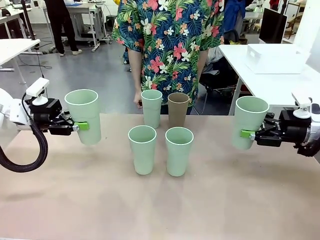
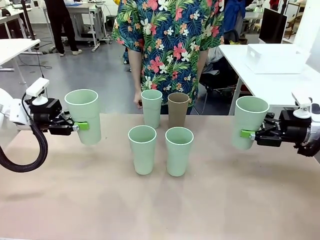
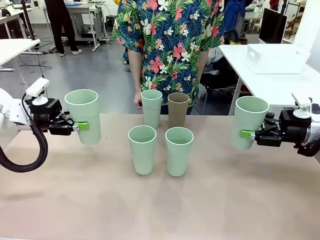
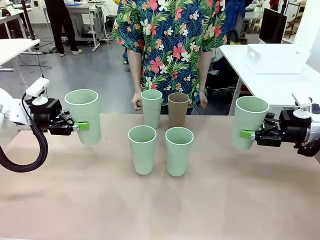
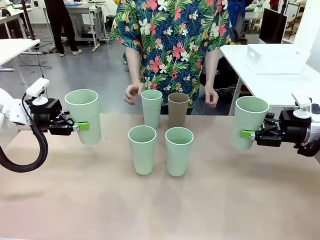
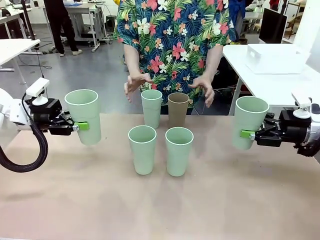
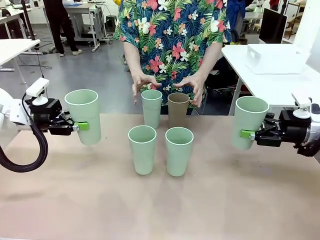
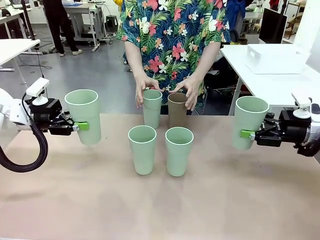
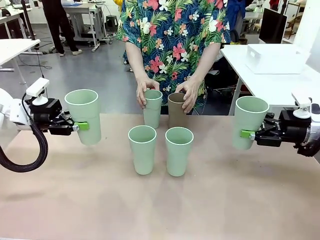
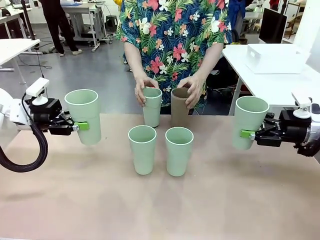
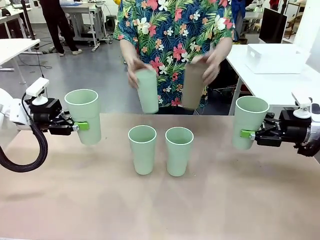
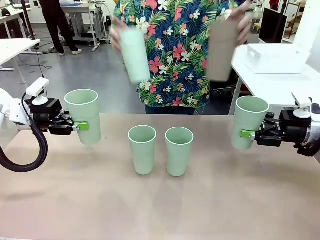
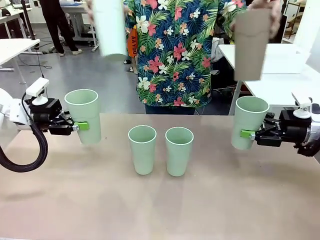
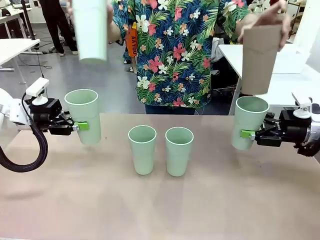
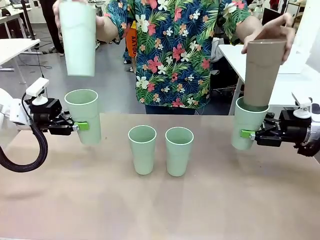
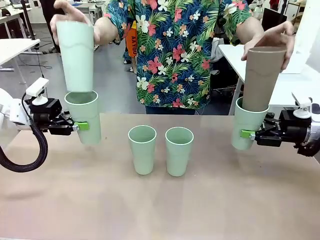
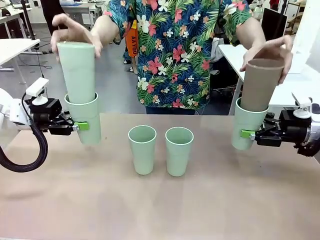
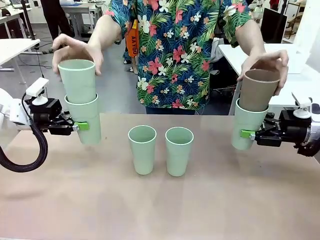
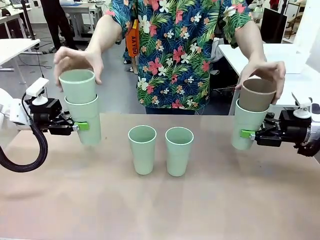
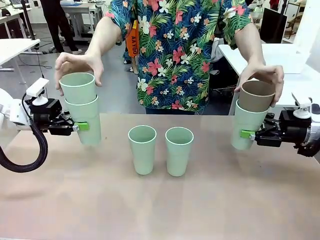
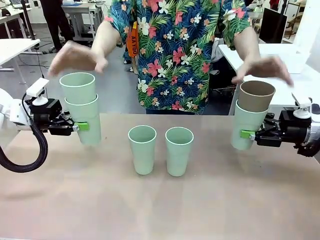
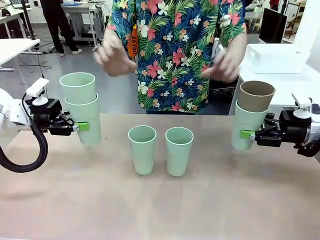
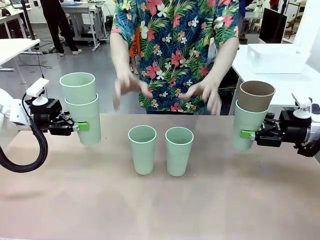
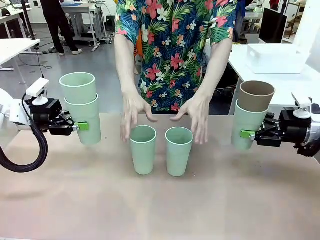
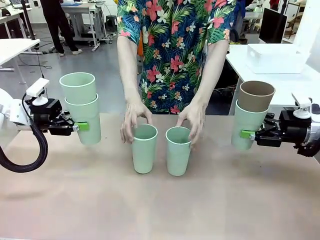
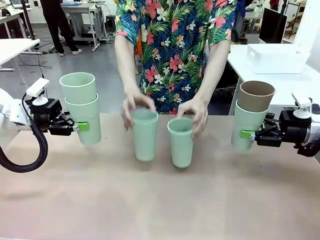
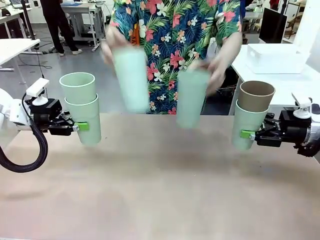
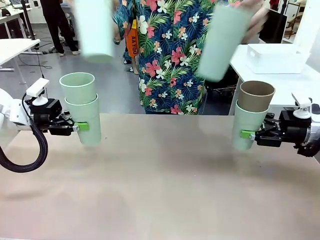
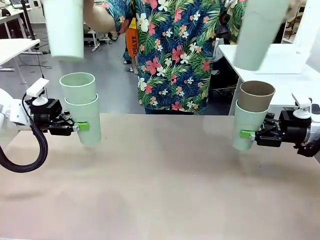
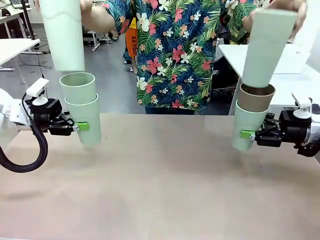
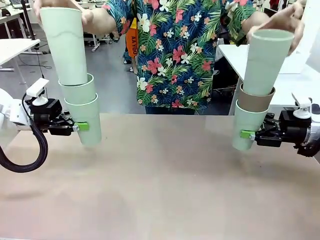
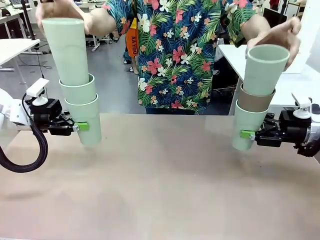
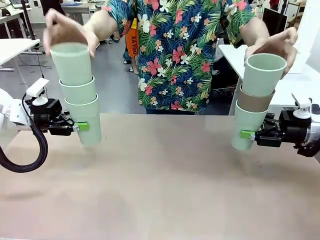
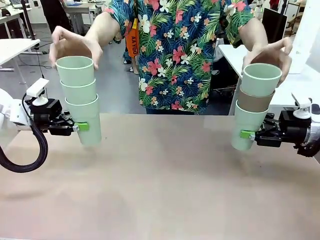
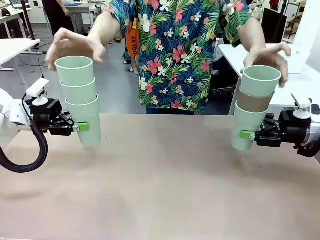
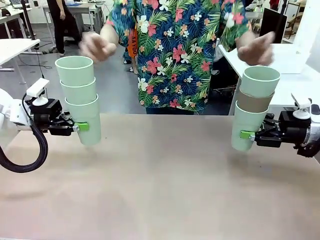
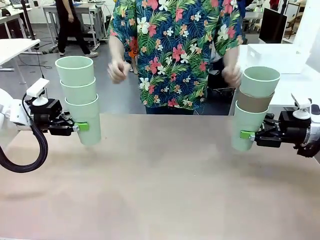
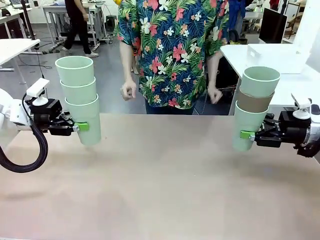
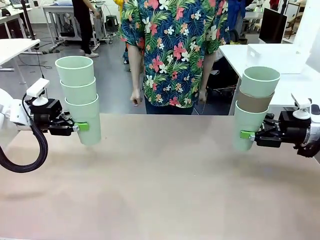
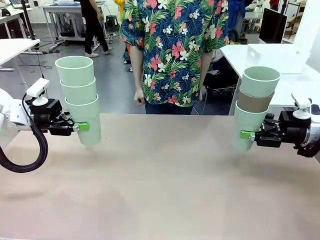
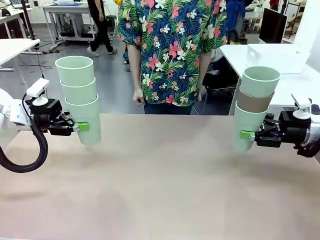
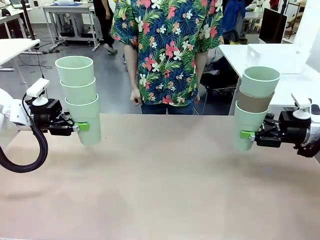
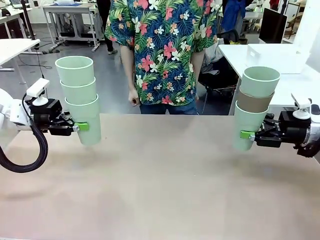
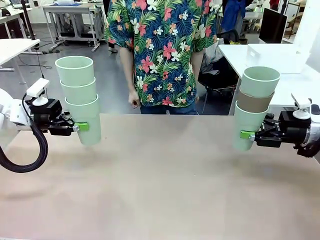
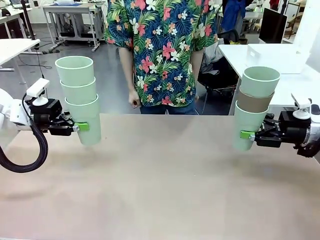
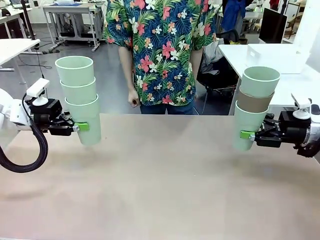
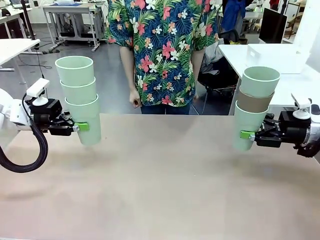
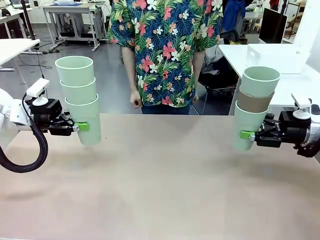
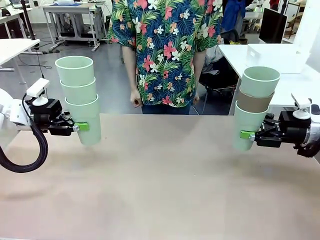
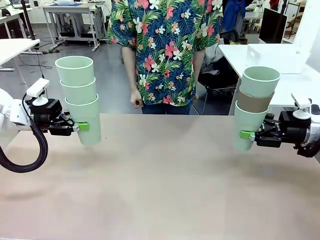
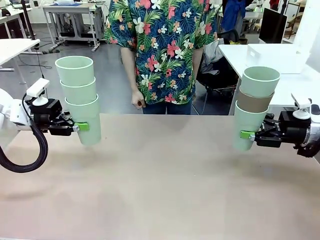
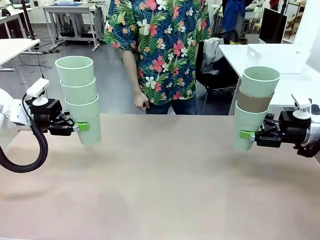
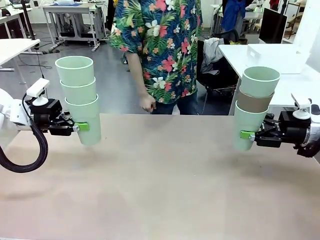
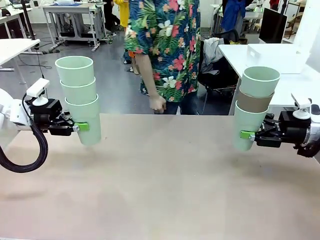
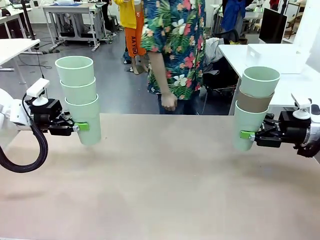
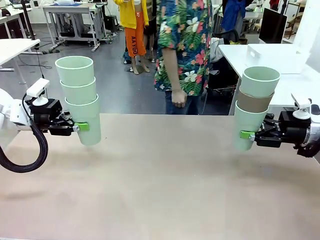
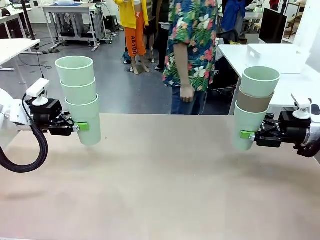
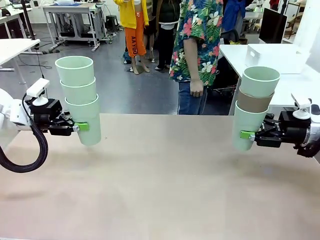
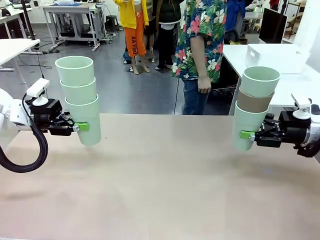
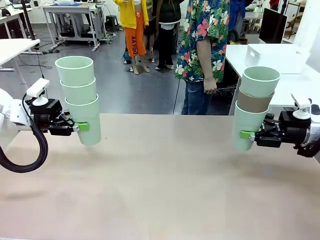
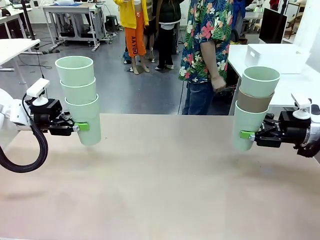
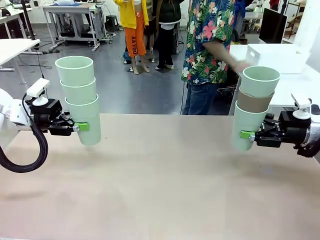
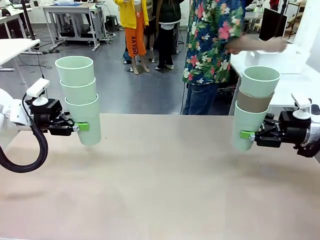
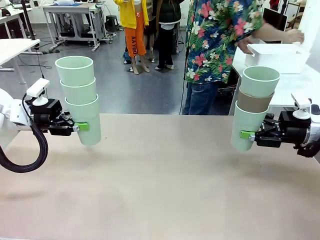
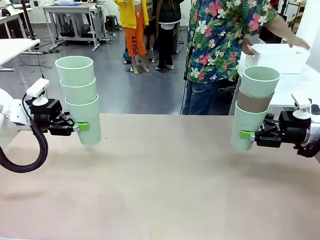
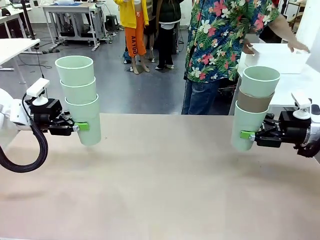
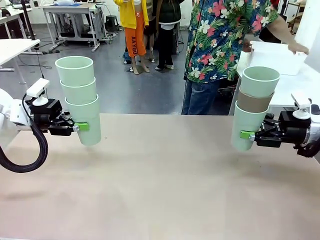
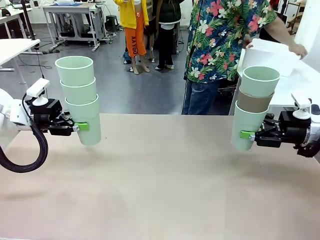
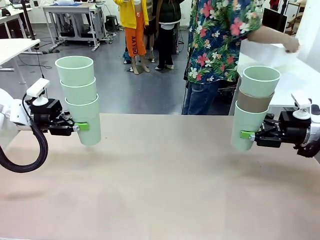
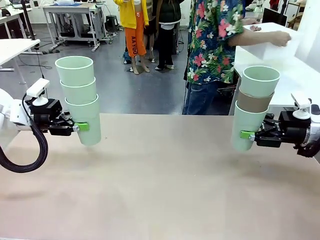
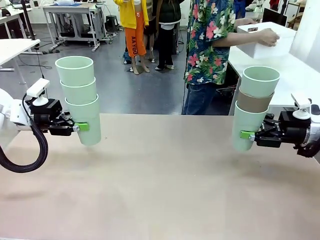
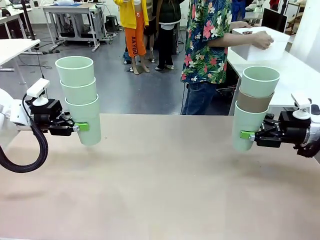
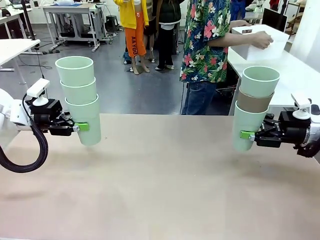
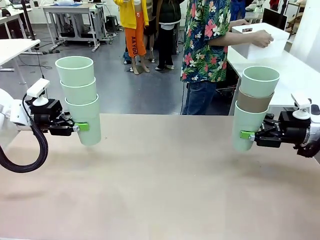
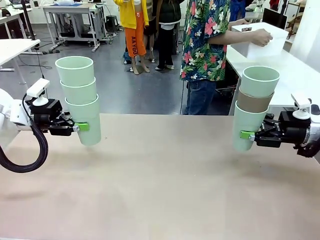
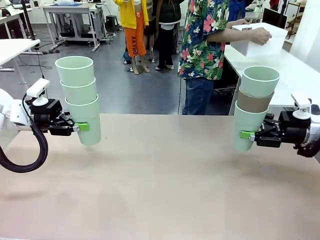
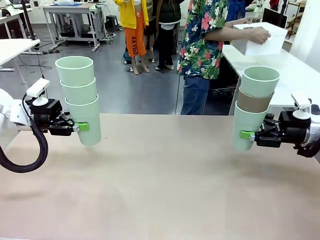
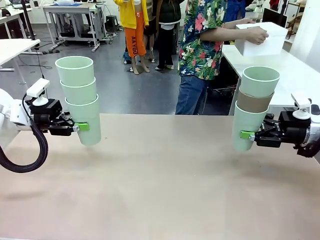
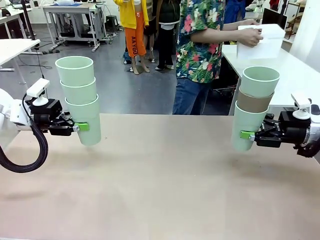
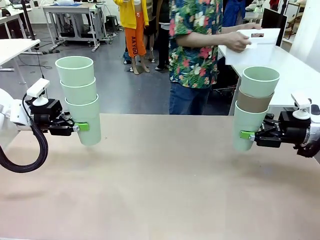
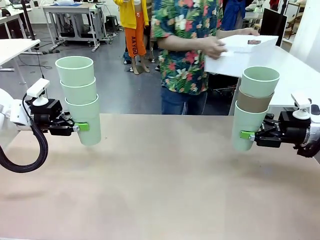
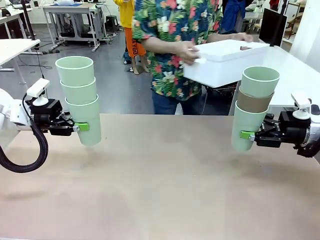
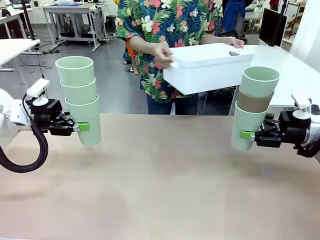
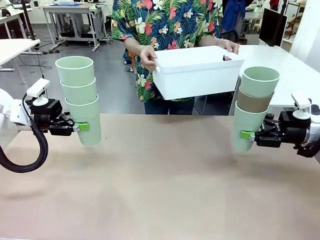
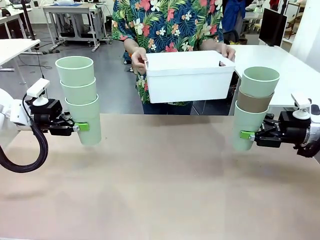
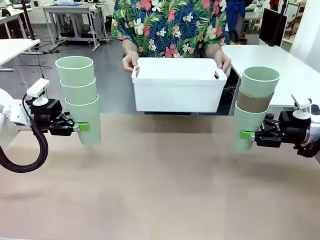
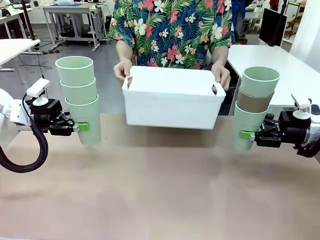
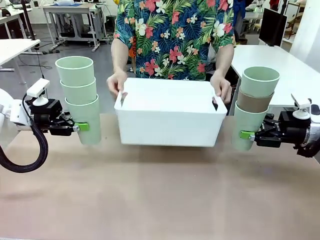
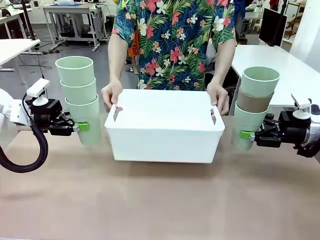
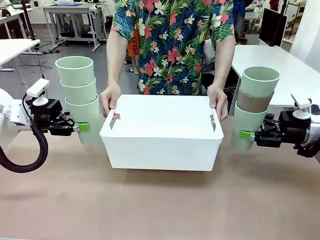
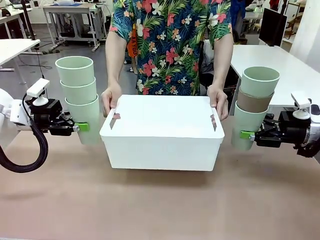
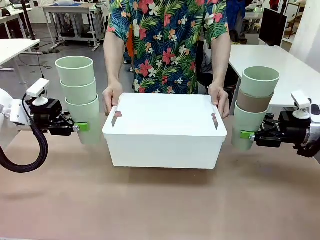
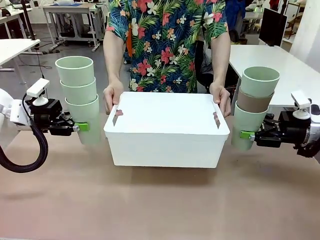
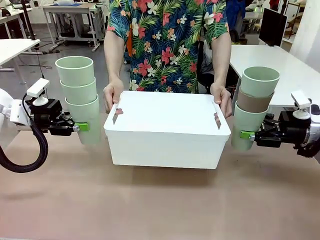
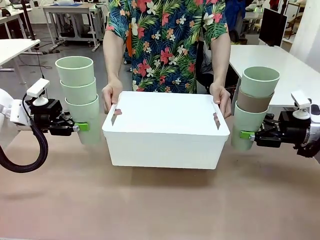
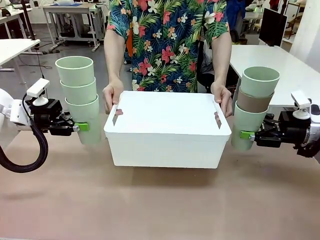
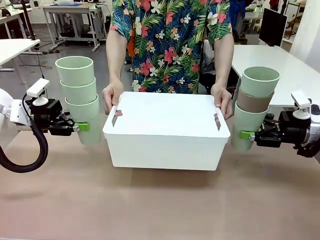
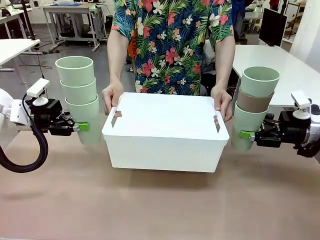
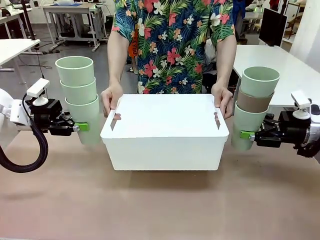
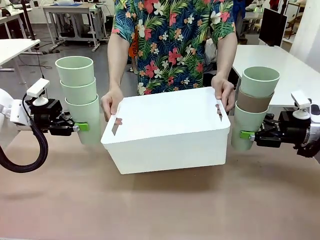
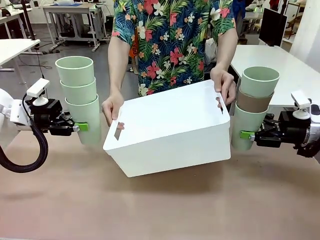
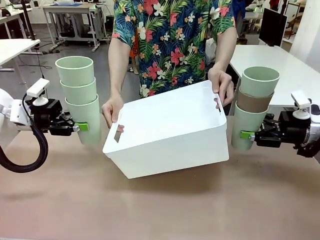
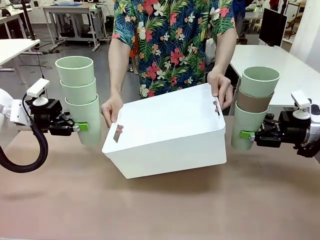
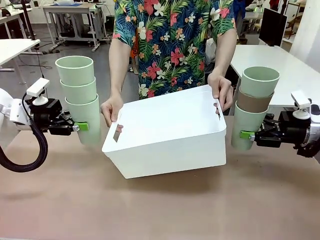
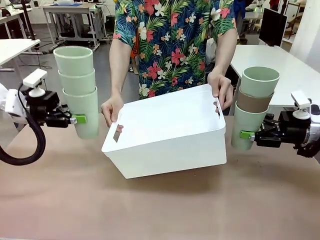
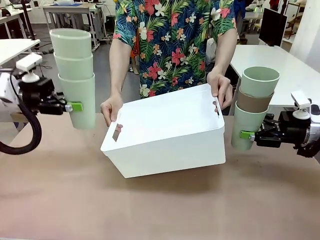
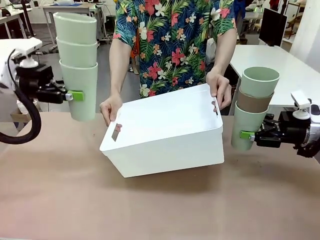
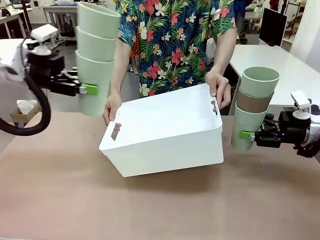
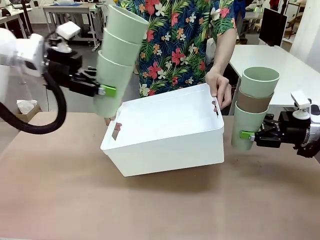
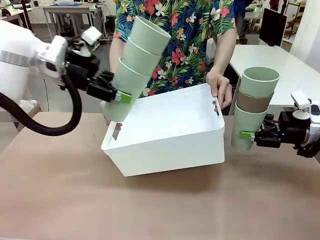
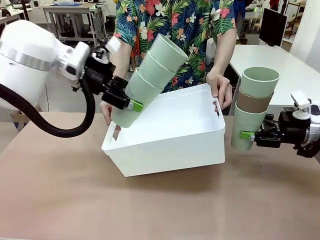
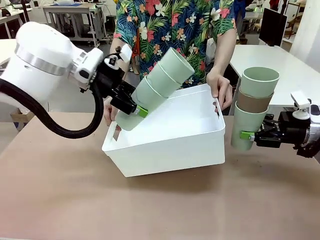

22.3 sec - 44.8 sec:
Task: Stack the cups and store them in the basket.
Robot: Place the stack of Reusable plastic cups into the Pantry Basket.
Person: Pick up the basket from the Human Table, bring it to the front of the robot, and present it.
